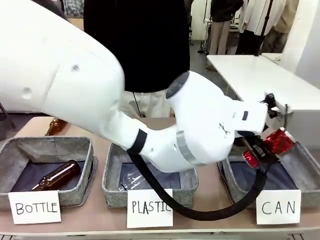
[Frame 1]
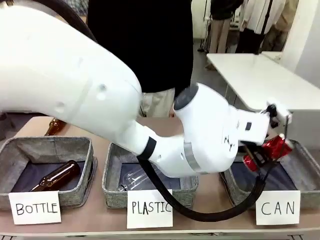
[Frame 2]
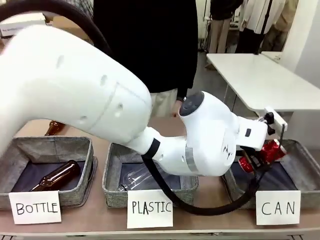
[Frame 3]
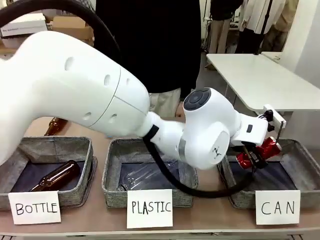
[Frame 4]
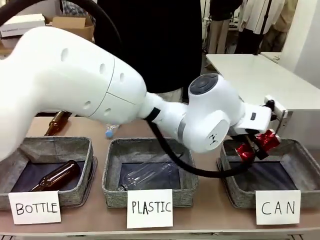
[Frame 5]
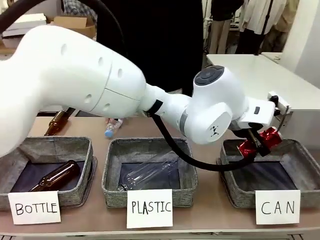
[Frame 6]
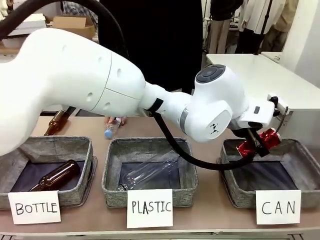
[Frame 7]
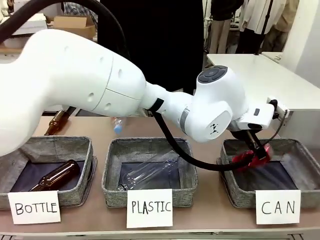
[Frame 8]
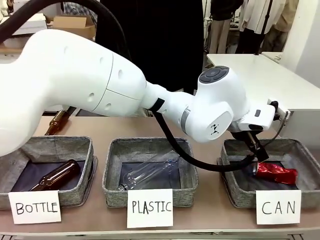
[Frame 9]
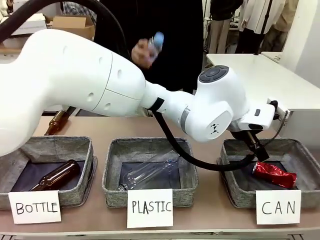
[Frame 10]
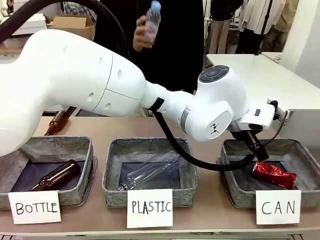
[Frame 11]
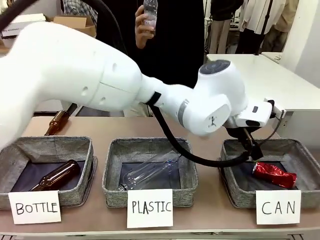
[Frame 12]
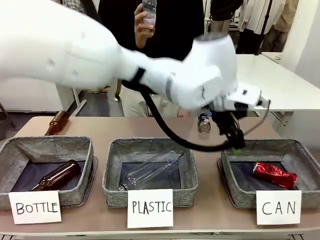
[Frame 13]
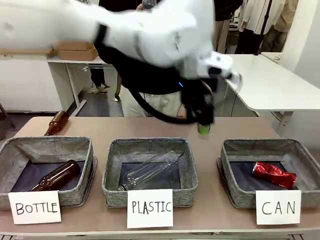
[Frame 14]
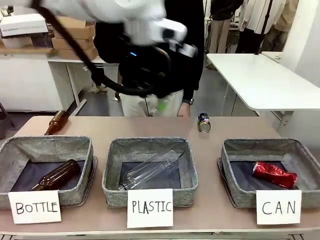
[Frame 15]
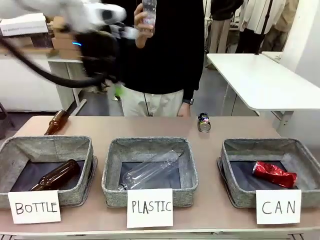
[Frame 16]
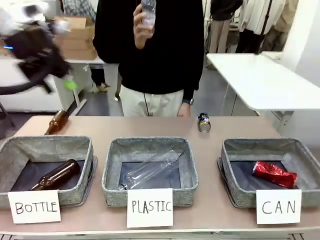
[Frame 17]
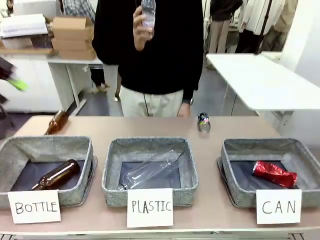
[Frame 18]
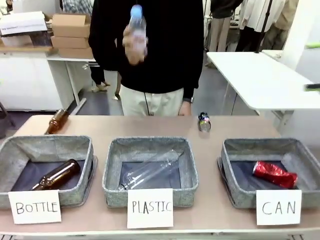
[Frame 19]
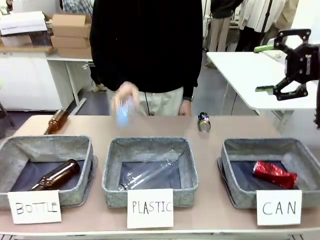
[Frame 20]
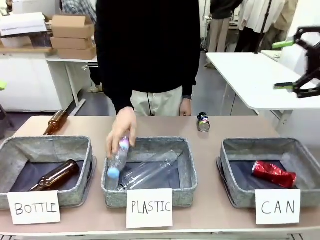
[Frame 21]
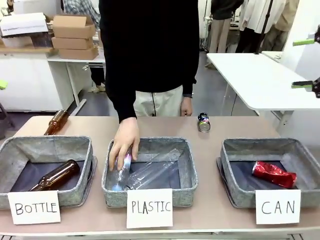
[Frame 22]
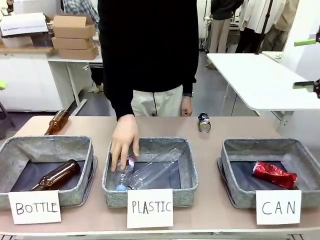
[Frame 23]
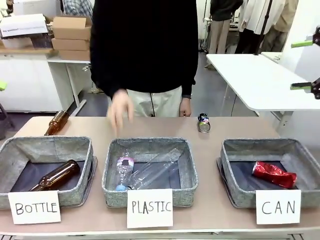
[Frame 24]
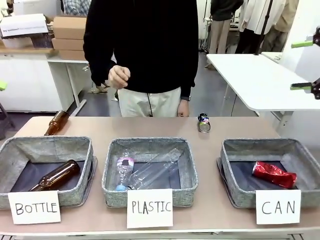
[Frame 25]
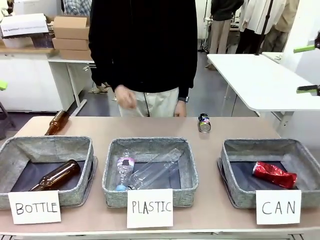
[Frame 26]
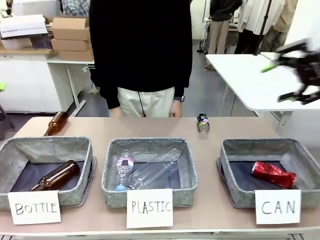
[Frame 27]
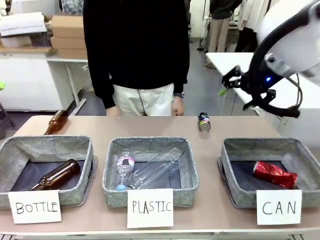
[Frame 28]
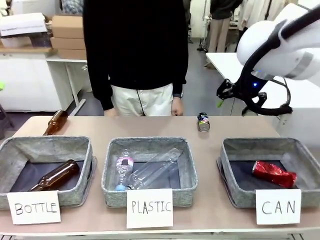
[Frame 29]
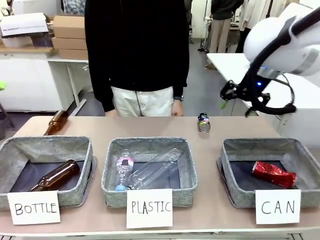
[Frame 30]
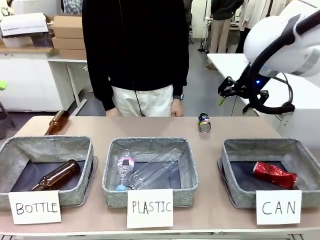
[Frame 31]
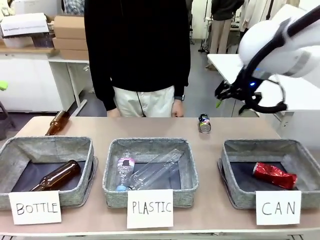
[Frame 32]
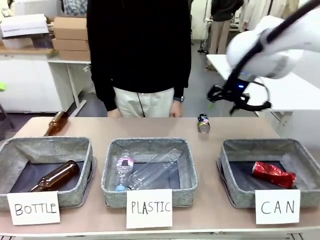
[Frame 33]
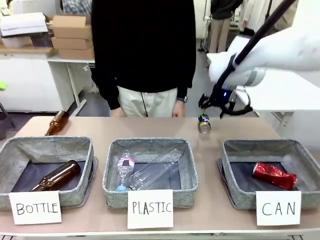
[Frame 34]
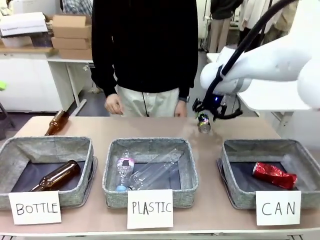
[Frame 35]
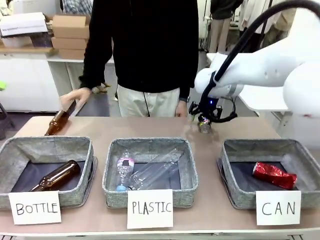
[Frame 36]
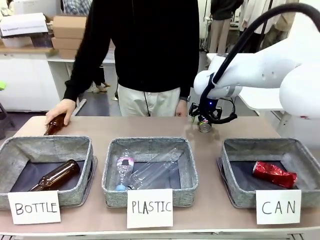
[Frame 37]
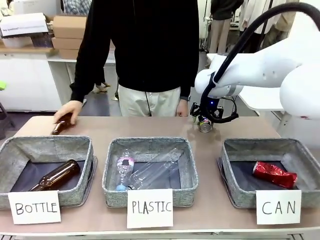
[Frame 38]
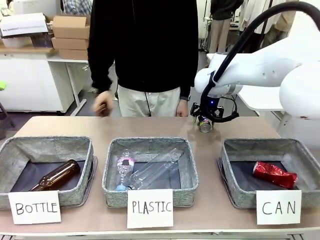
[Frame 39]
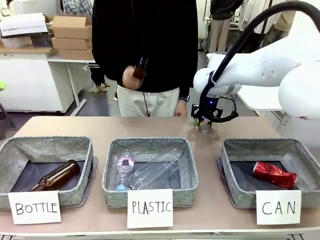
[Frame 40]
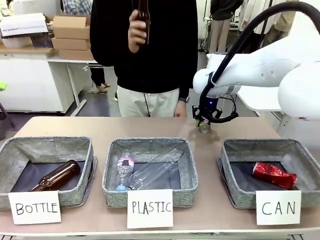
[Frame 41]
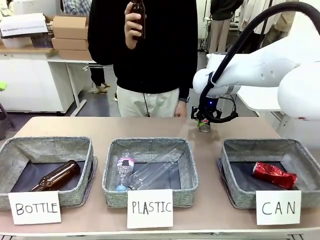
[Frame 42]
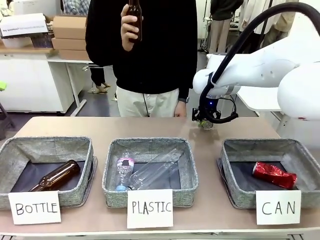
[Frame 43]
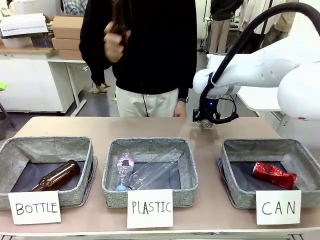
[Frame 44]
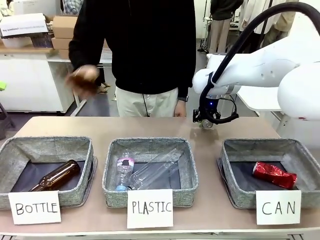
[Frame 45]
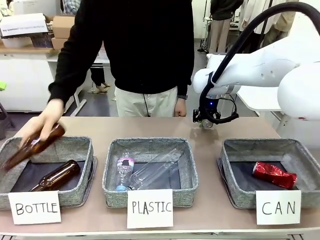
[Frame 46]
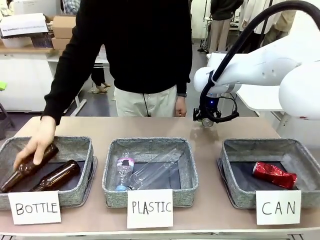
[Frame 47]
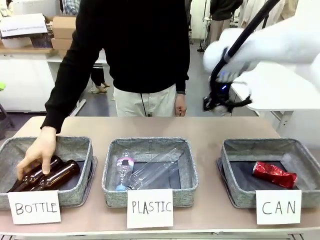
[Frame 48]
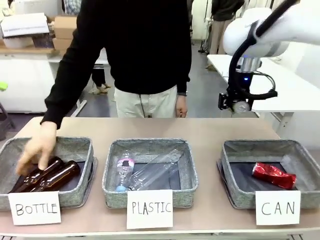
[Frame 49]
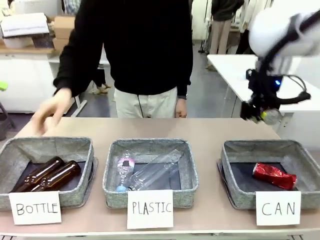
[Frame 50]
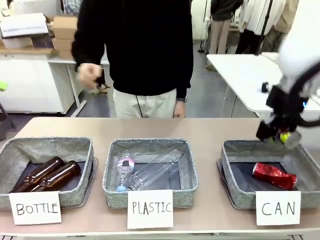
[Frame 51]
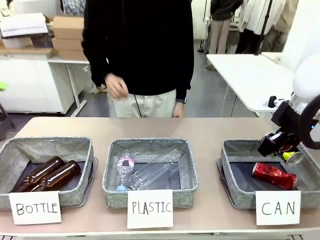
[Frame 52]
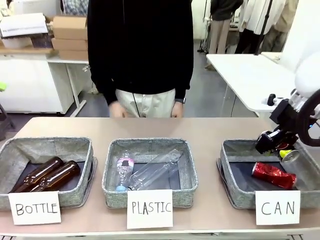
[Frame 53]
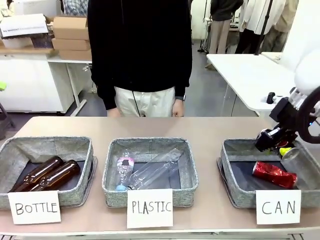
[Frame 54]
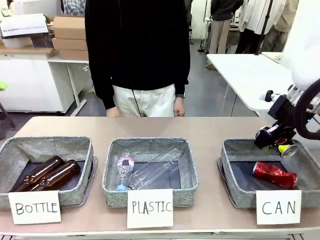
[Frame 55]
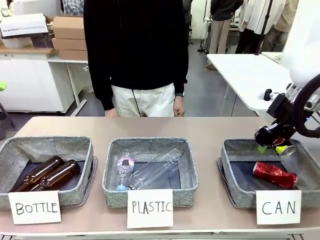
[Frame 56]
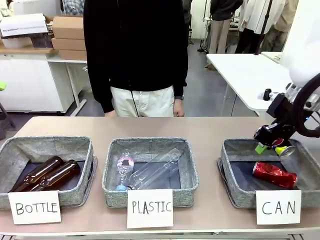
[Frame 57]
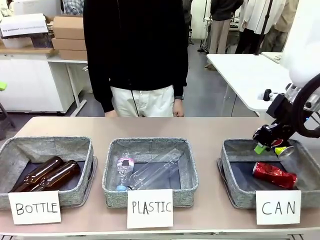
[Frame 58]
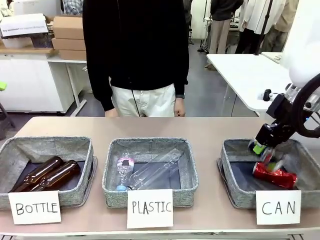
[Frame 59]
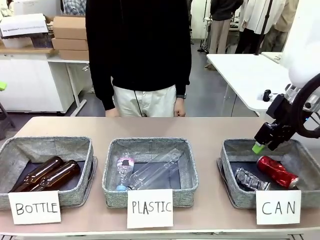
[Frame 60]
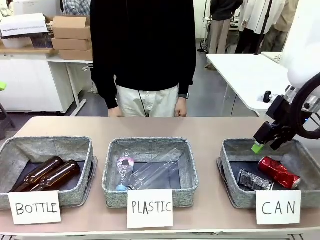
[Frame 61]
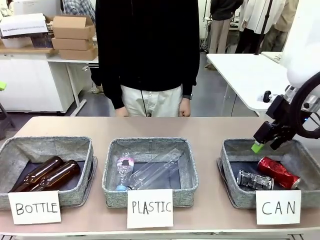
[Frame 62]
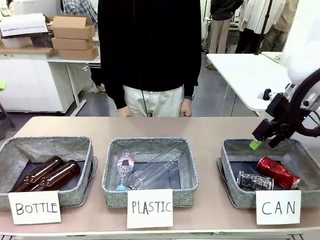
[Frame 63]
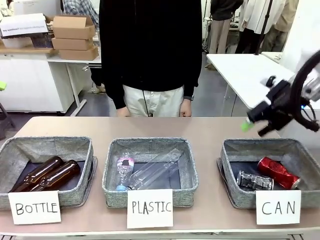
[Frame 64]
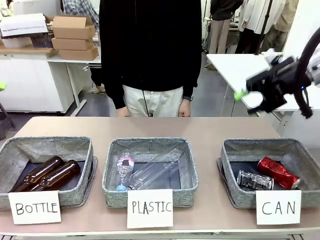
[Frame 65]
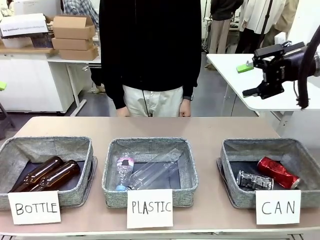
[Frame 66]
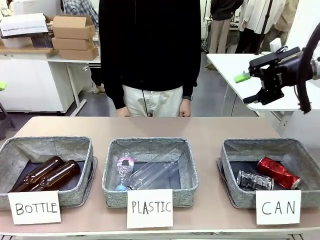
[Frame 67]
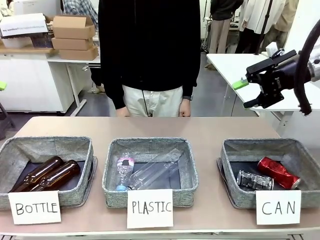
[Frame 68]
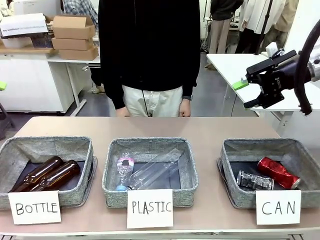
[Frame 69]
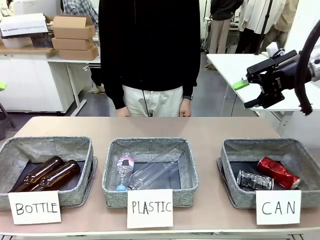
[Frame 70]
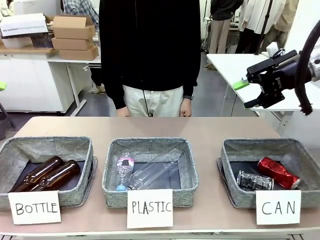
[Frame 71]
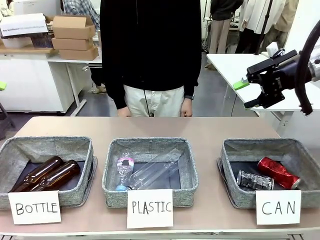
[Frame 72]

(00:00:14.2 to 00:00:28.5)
Task: Sort the can waste into the basket.
Robot: Pick up the can waste from the table and place it in the right Fabric basket.
Person: The human picks up one piece of trash that is not a can and places the trash into the appropriate organizing basket.
